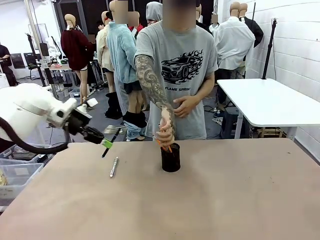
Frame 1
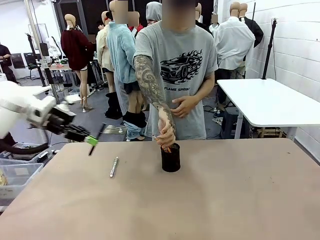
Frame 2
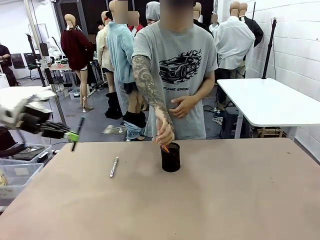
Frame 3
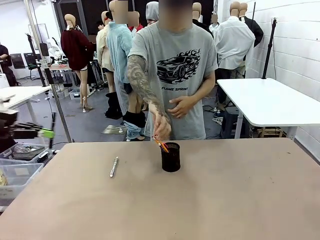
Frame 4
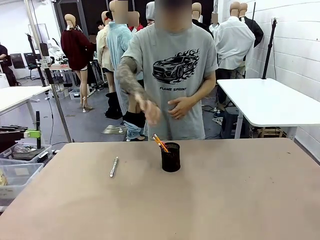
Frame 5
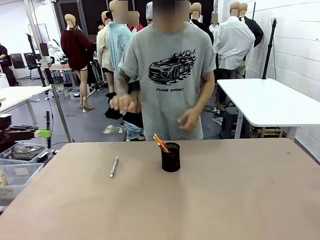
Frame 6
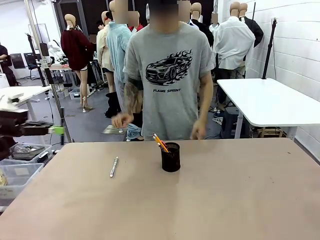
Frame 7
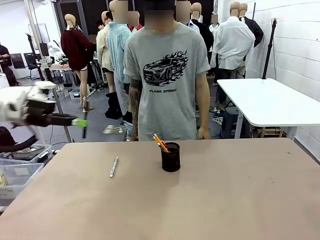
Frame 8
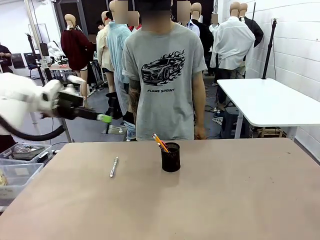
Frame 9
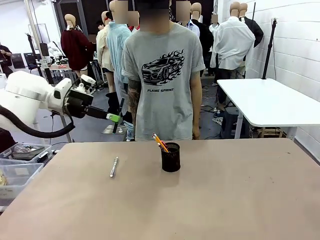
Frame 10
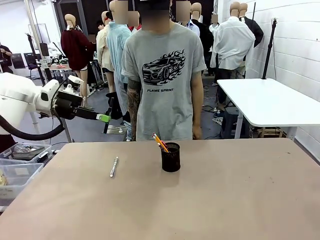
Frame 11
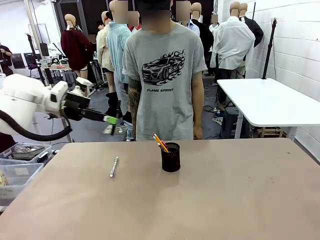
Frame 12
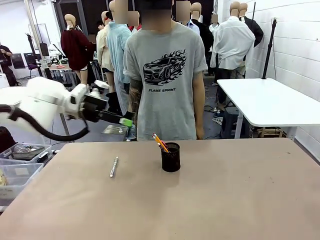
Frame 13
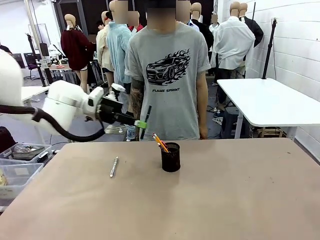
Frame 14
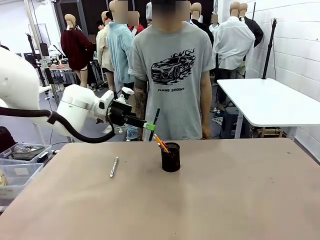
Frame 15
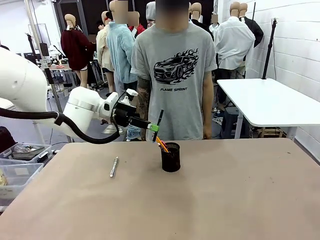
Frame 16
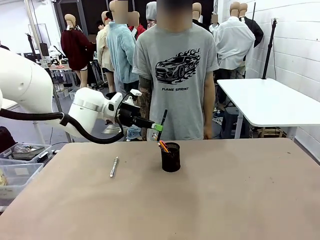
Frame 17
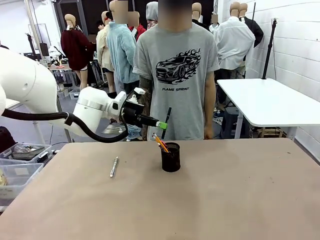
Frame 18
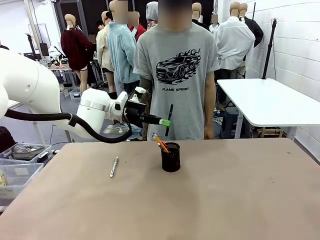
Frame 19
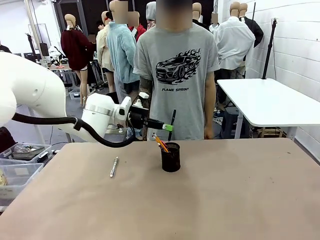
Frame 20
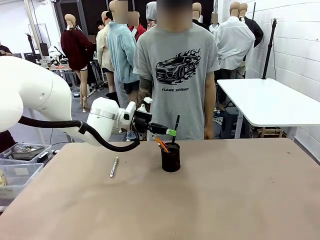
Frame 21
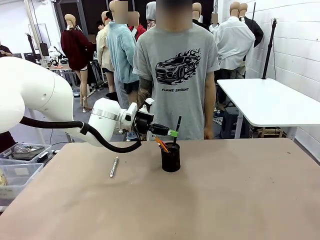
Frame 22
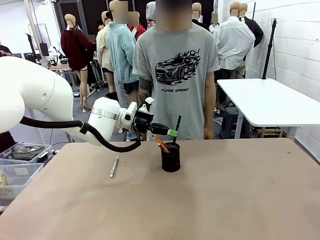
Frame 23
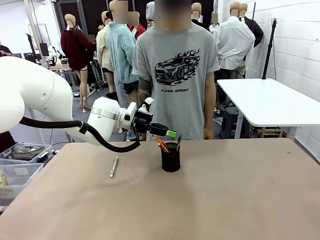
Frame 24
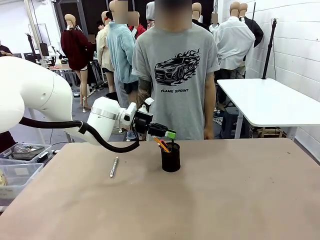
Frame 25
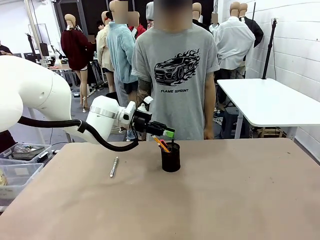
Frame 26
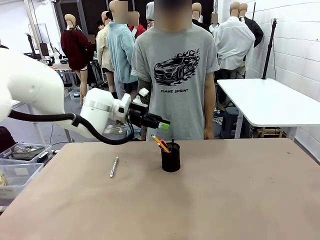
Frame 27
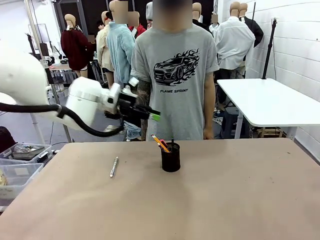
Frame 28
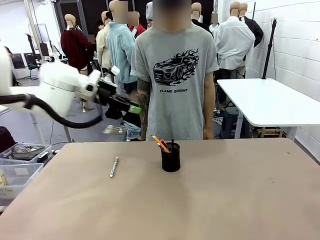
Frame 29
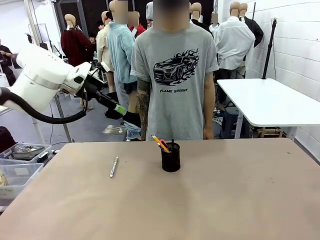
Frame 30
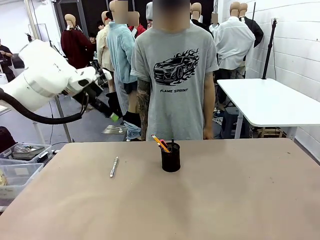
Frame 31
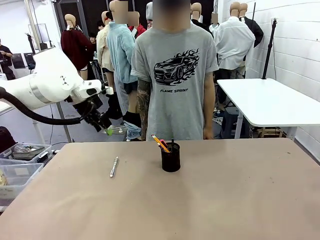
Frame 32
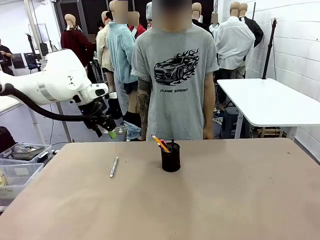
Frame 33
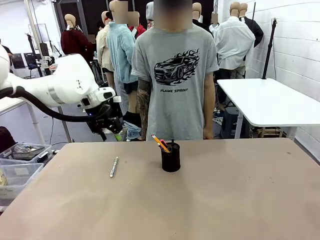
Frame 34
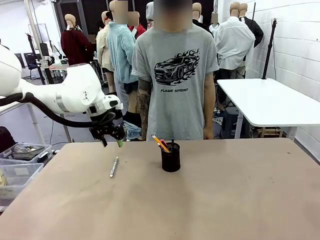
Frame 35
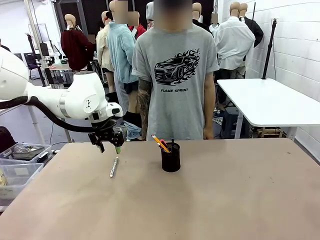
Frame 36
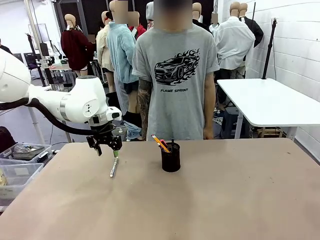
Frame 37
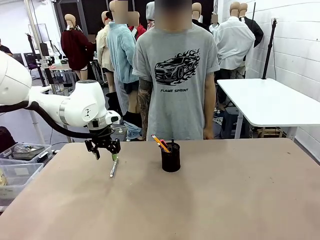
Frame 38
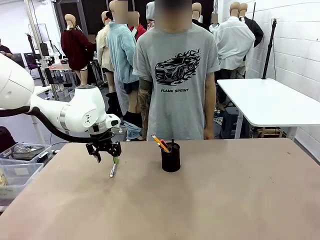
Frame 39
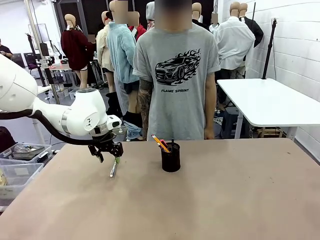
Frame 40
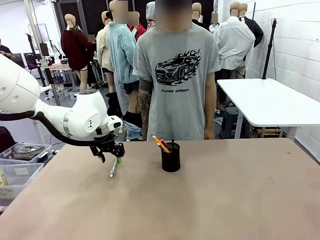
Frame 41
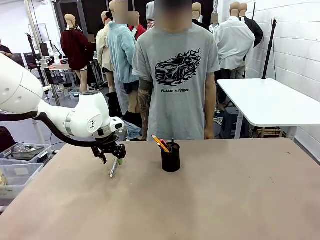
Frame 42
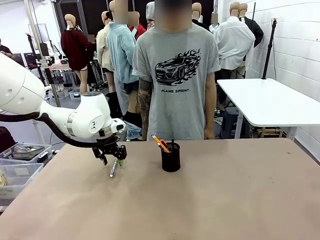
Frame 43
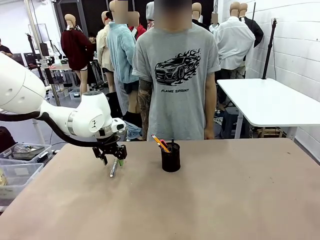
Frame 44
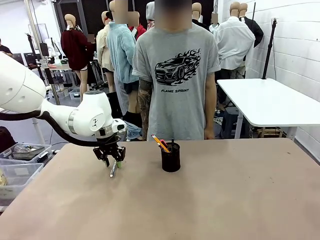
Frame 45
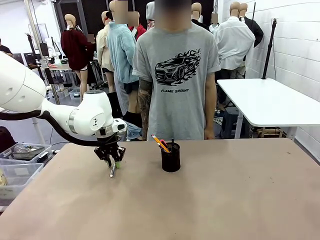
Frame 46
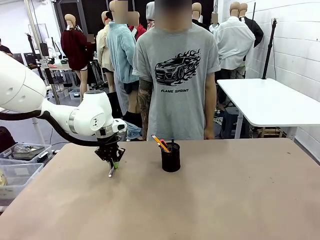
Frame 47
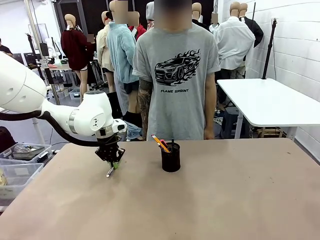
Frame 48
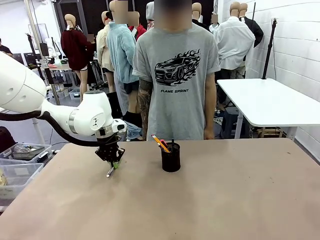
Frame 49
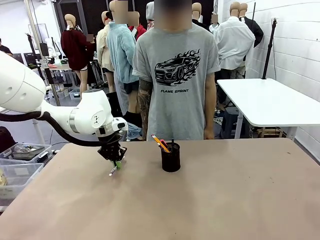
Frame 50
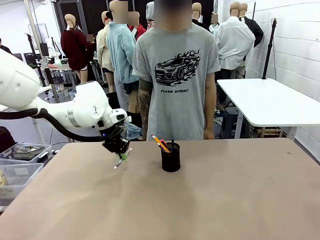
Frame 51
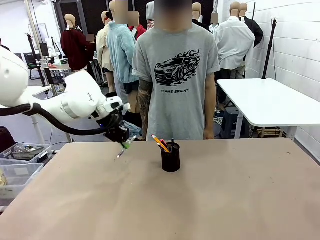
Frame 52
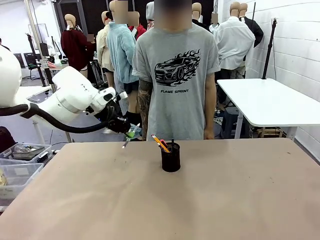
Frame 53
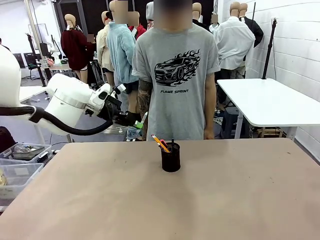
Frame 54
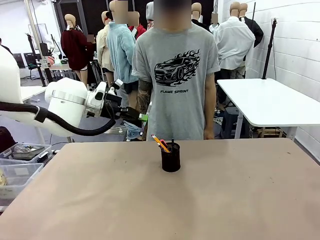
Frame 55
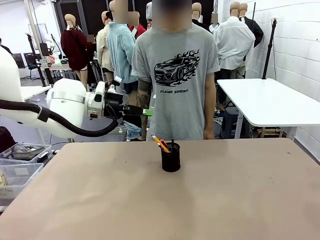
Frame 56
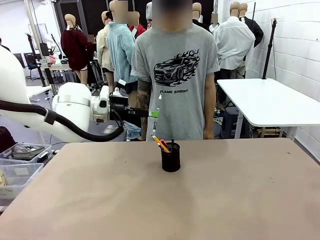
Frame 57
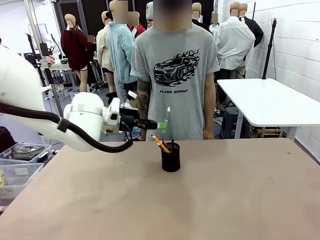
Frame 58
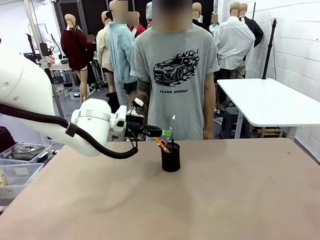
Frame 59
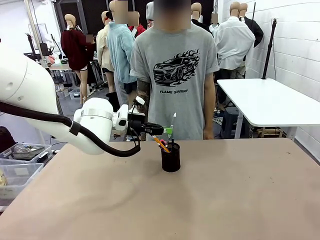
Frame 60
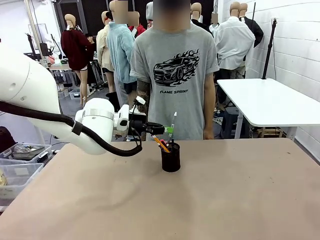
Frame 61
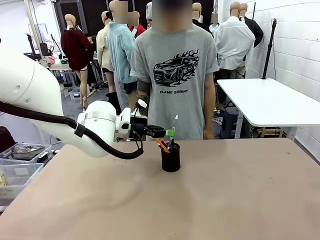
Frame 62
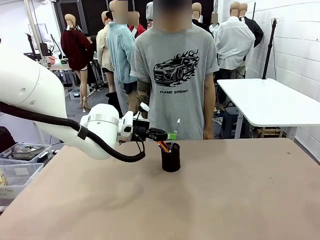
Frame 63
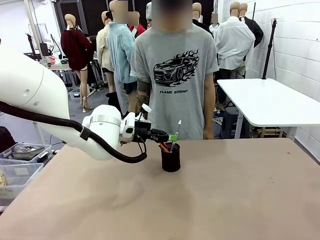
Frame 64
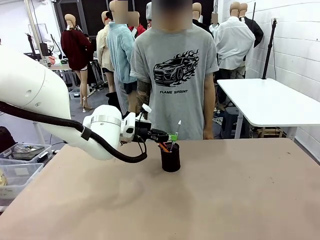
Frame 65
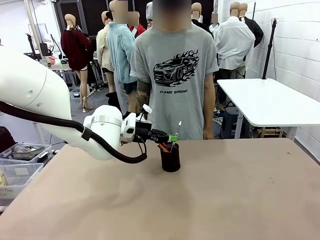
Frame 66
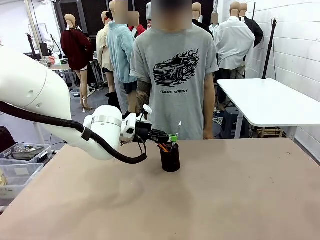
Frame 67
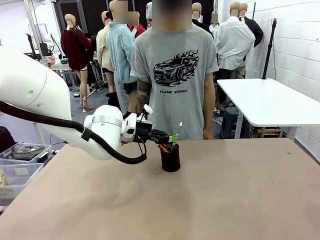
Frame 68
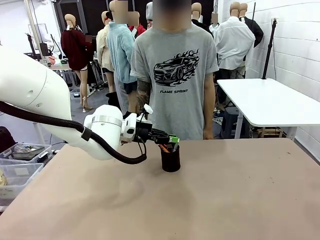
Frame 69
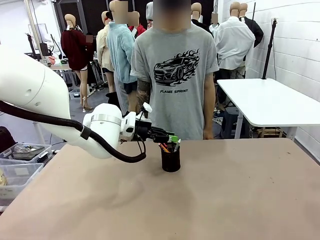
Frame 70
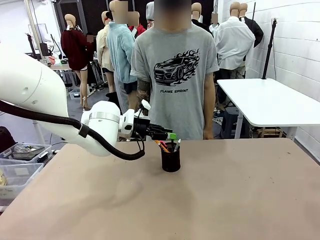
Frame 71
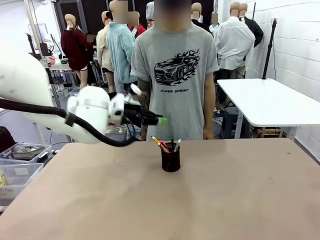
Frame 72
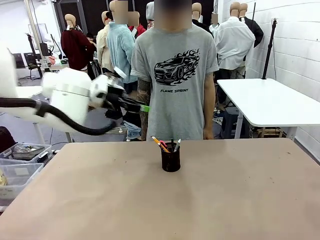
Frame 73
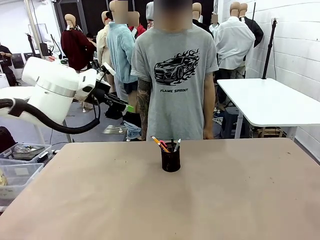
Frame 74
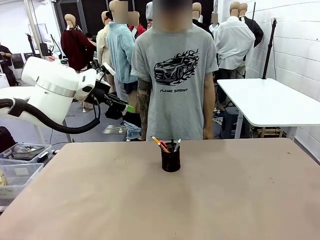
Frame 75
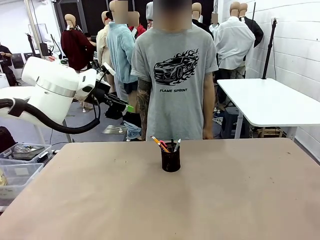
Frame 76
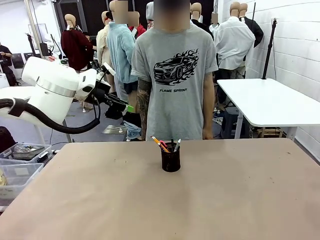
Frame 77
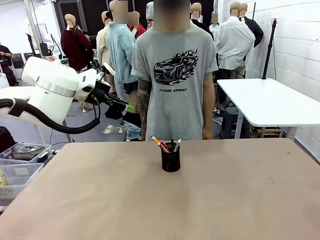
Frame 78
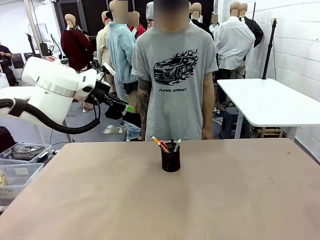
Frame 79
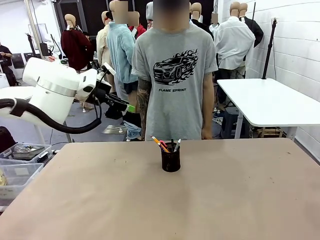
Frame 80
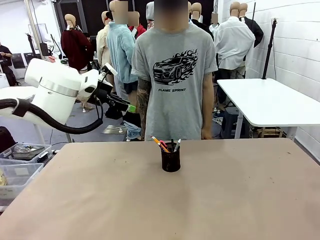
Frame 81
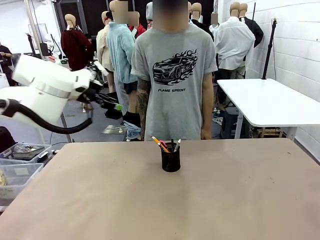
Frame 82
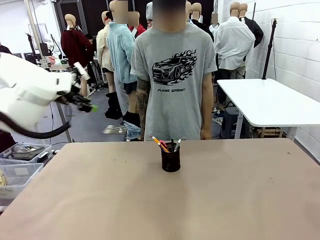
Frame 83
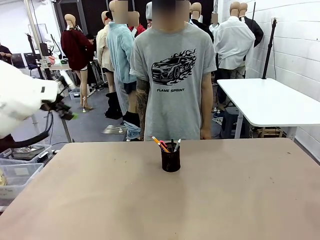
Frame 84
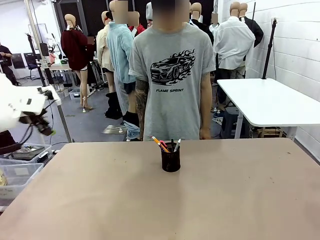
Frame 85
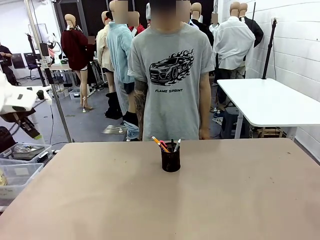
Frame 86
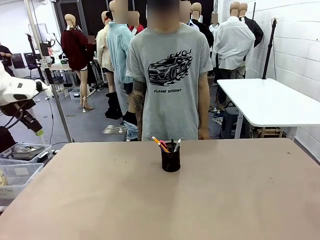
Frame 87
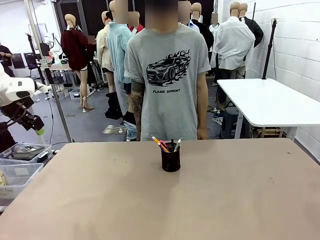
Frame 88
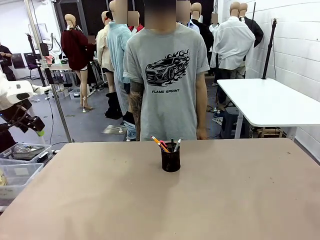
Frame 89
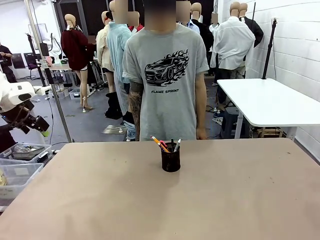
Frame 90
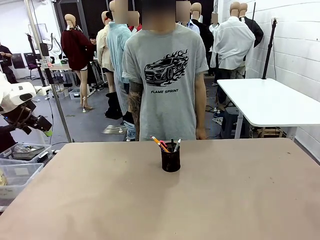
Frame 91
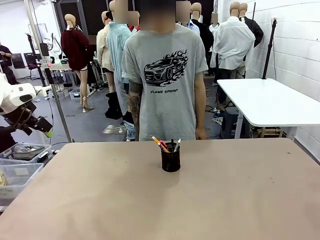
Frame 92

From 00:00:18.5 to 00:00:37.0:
Task: Place the pens into the pen holder.
Robot: Pick up a writing instrument from the table and place it into the Pen holder.
Person: Place all writing instrument into the Pen holder.

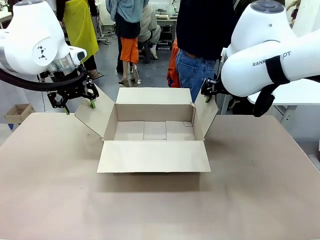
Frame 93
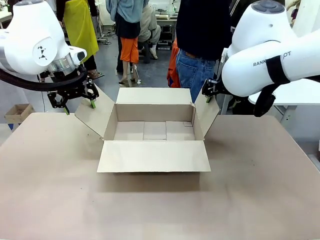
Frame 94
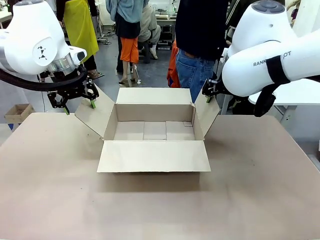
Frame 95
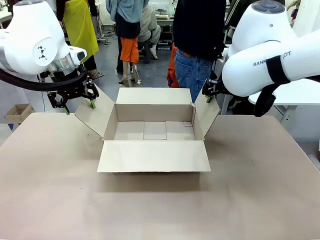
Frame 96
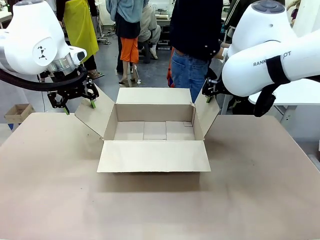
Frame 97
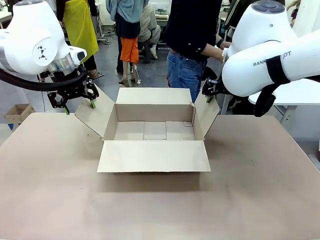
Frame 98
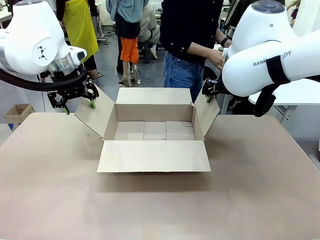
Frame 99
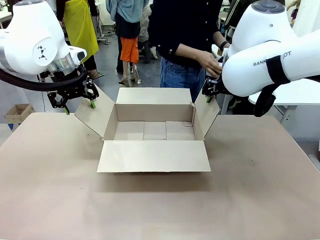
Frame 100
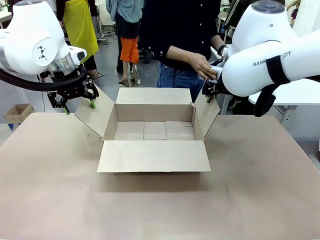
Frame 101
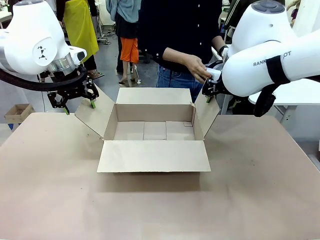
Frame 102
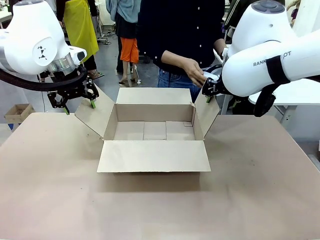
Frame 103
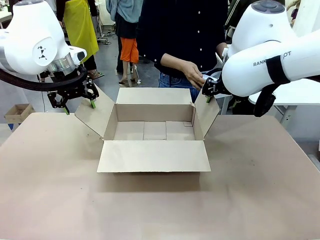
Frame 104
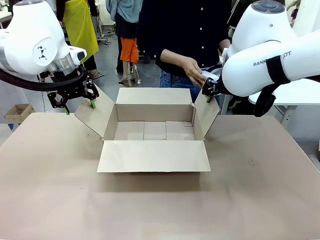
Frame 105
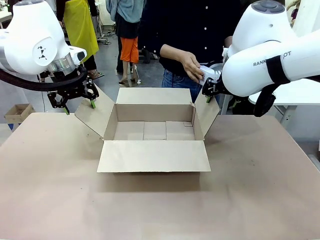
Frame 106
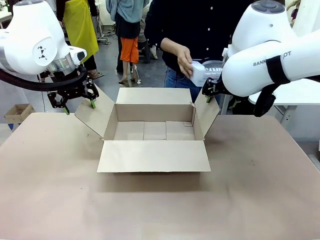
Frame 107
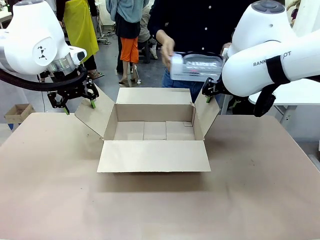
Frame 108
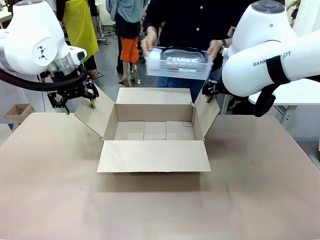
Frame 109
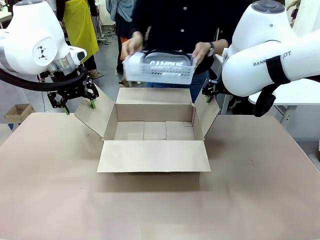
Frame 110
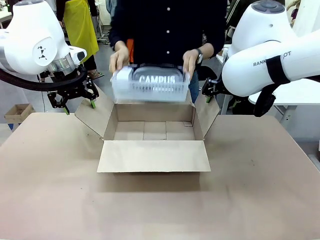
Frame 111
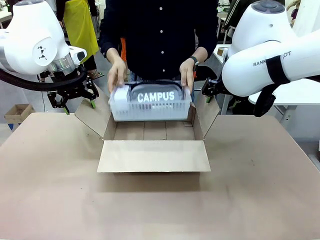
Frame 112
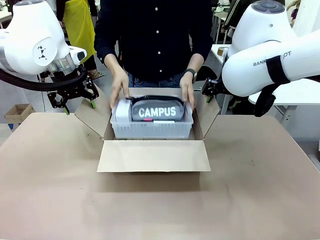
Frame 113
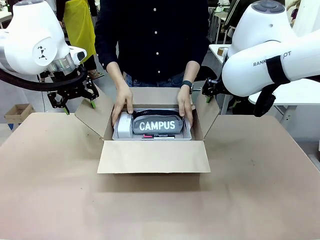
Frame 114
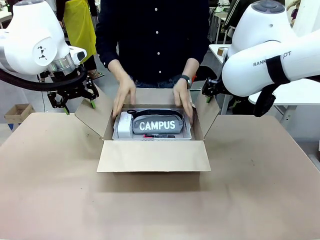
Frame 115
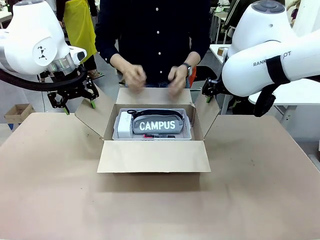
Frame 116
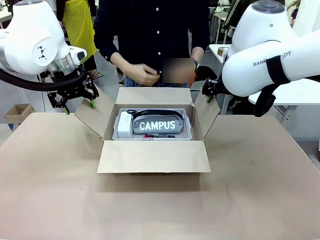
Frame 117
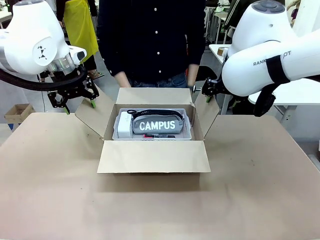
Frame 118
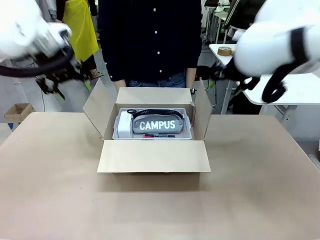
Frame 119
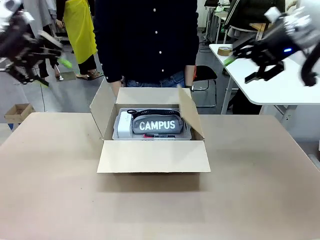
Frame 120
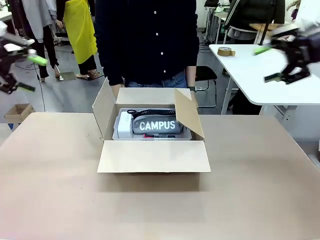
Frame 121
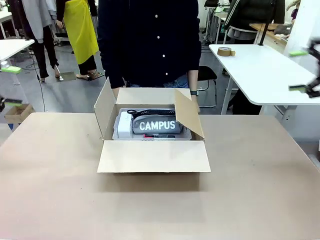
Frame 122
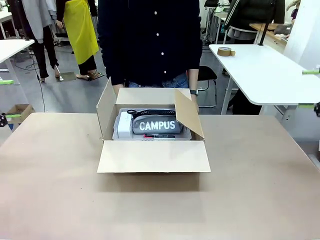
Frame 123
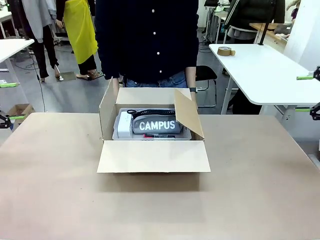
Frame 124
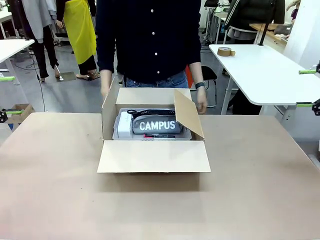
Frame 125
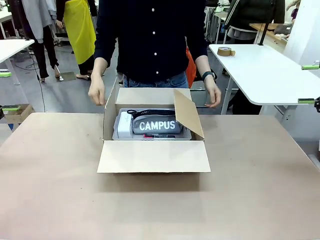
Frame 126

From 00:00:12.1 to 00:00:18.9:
Task: Pack the gift set into the box.
Robot: Lift both hands away from the flaps of the Package Box.
Person: The human picks up the organizing basket and places the organizing basket into the package box on the robot table.
